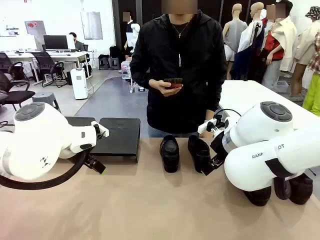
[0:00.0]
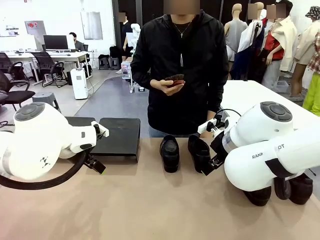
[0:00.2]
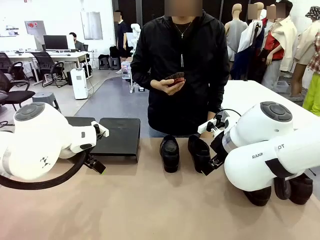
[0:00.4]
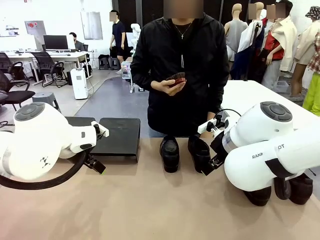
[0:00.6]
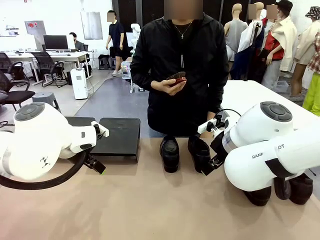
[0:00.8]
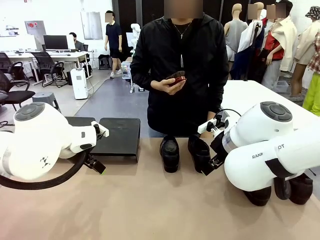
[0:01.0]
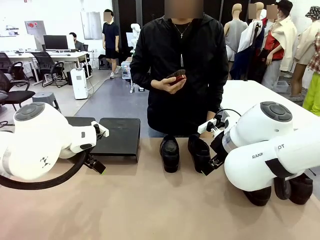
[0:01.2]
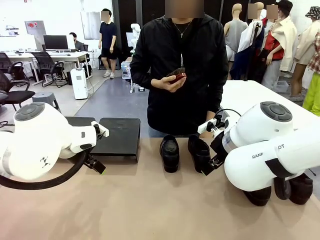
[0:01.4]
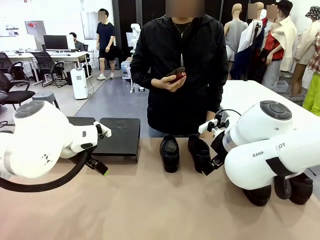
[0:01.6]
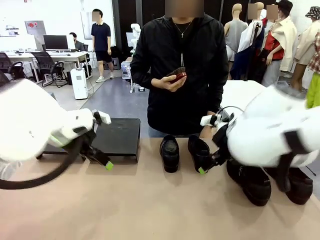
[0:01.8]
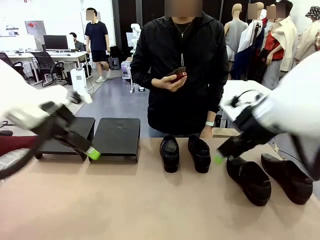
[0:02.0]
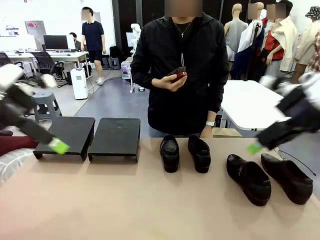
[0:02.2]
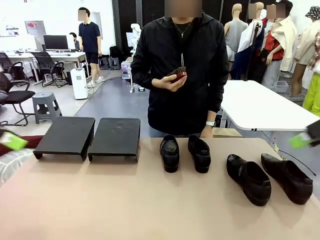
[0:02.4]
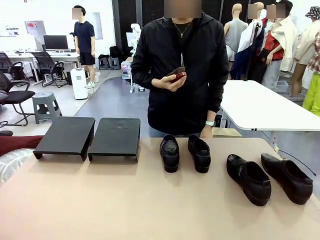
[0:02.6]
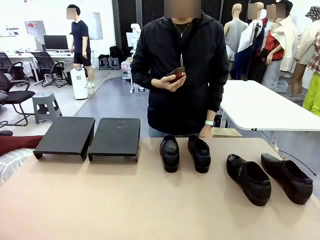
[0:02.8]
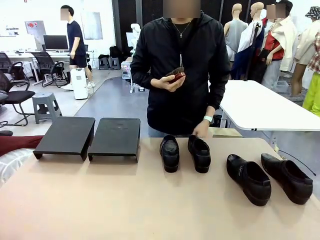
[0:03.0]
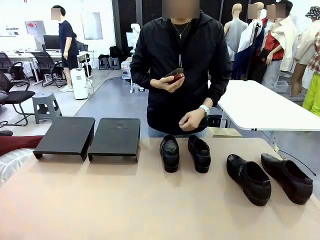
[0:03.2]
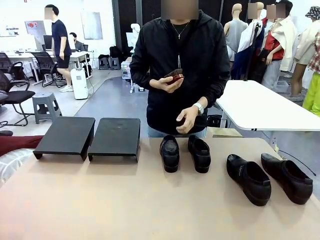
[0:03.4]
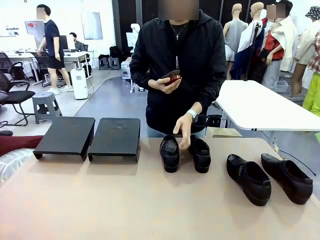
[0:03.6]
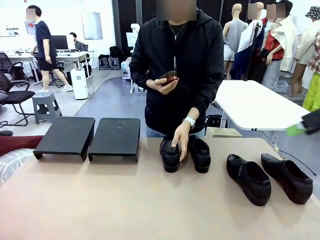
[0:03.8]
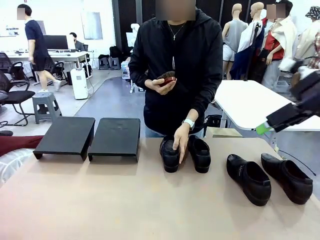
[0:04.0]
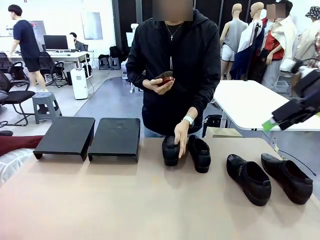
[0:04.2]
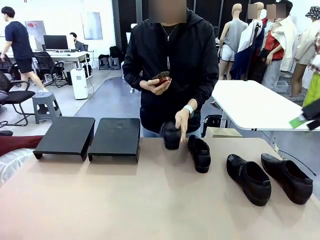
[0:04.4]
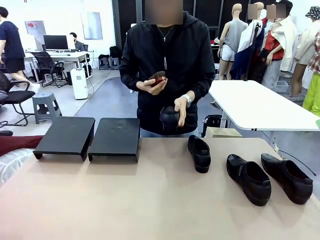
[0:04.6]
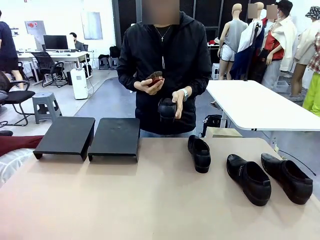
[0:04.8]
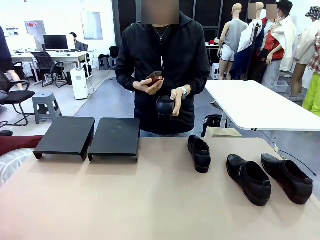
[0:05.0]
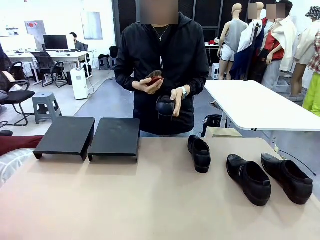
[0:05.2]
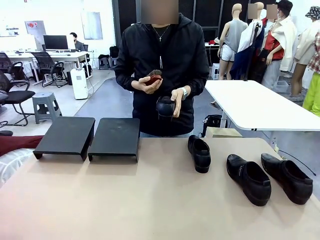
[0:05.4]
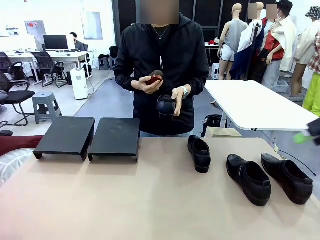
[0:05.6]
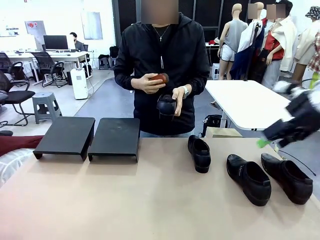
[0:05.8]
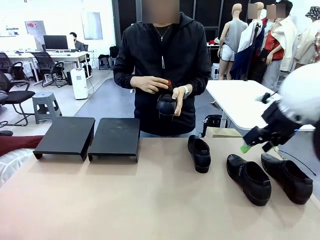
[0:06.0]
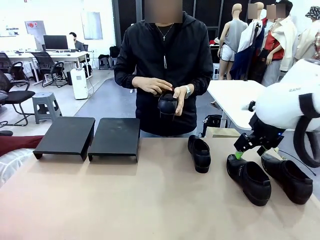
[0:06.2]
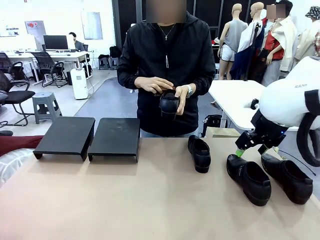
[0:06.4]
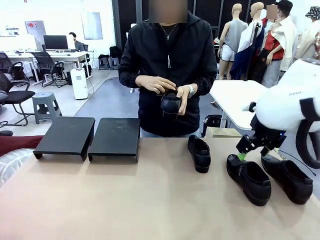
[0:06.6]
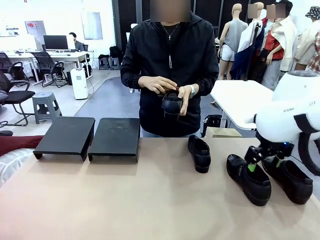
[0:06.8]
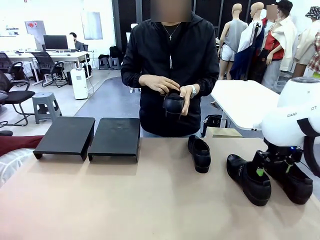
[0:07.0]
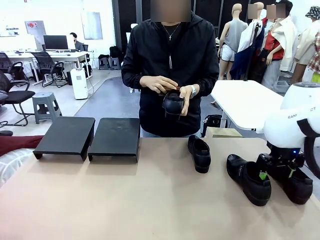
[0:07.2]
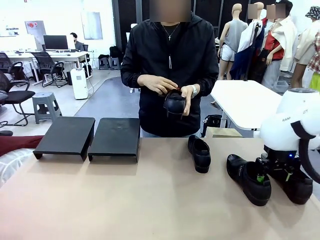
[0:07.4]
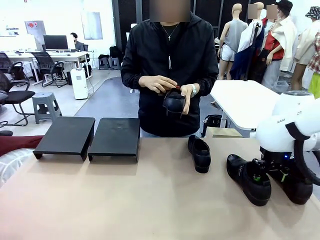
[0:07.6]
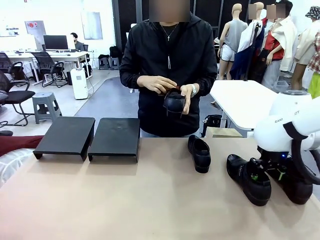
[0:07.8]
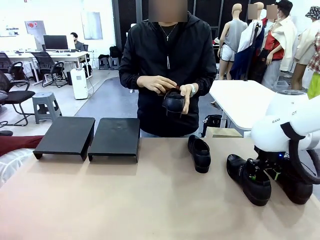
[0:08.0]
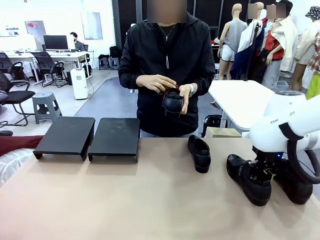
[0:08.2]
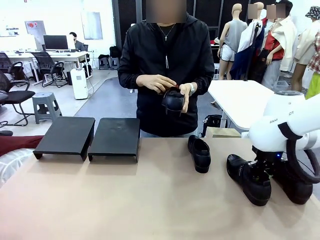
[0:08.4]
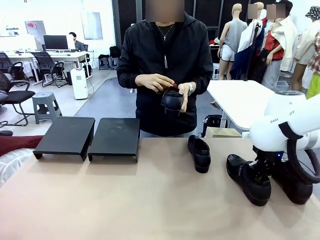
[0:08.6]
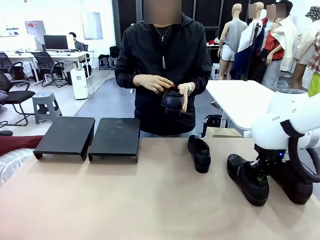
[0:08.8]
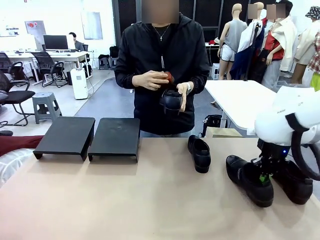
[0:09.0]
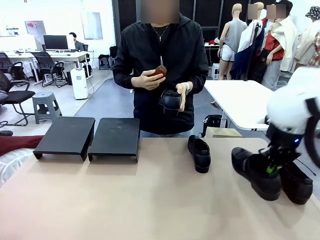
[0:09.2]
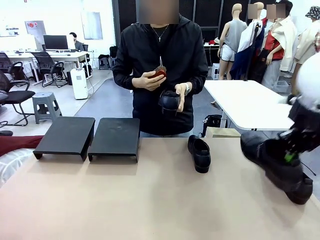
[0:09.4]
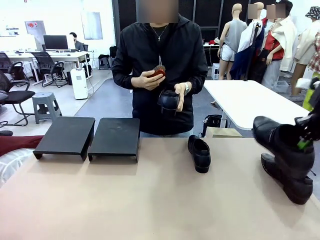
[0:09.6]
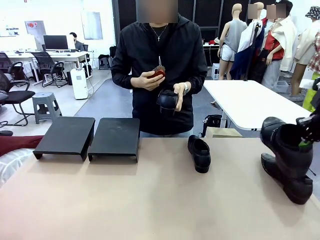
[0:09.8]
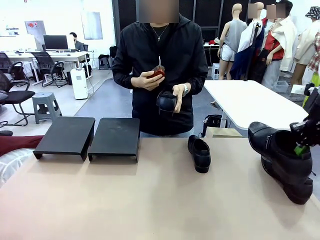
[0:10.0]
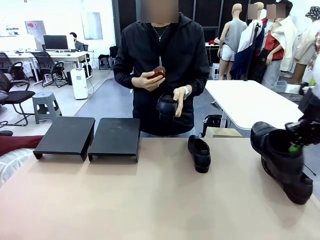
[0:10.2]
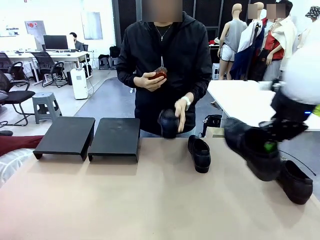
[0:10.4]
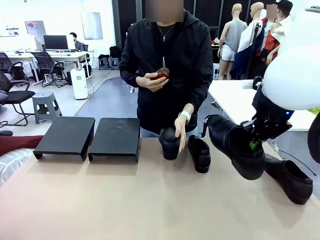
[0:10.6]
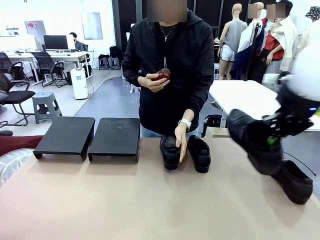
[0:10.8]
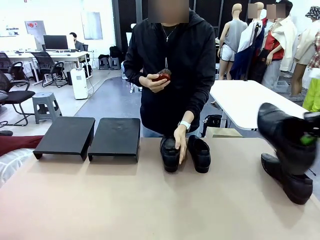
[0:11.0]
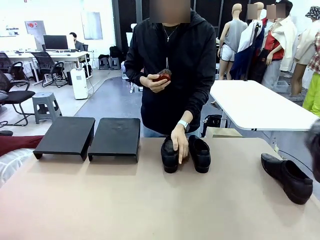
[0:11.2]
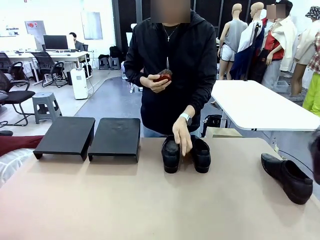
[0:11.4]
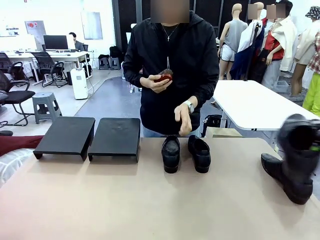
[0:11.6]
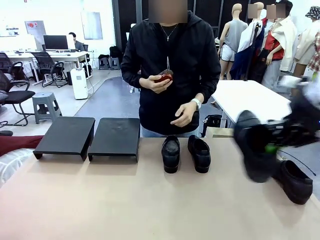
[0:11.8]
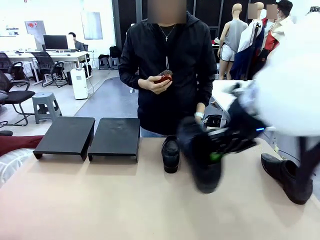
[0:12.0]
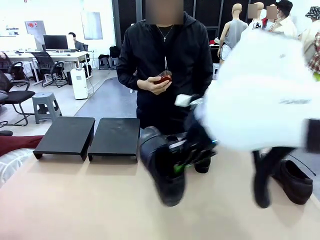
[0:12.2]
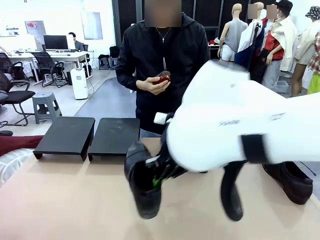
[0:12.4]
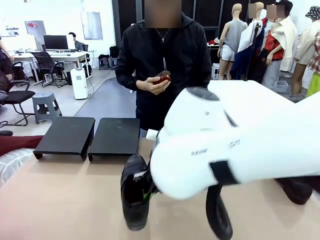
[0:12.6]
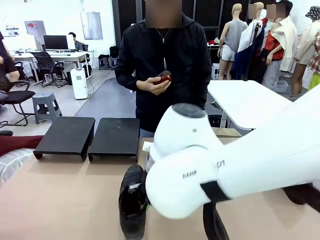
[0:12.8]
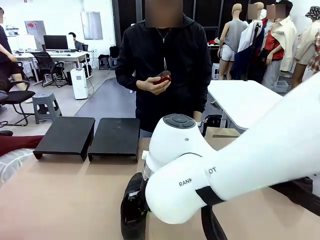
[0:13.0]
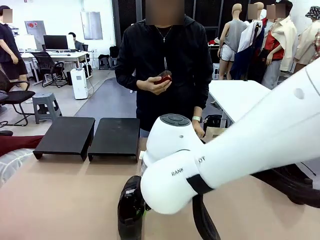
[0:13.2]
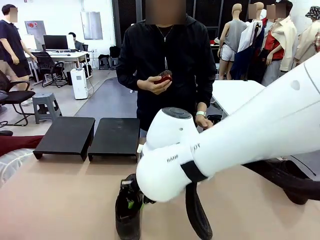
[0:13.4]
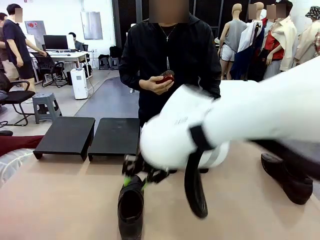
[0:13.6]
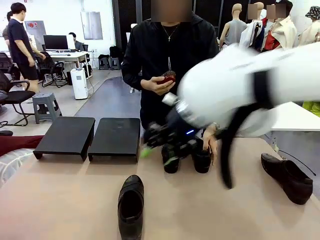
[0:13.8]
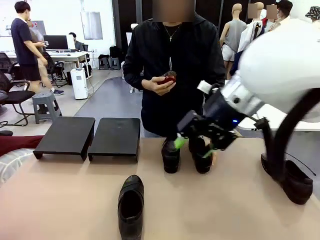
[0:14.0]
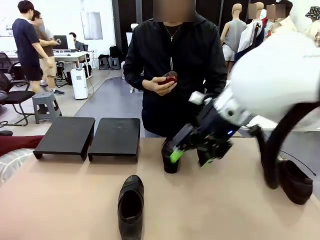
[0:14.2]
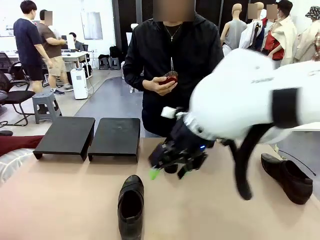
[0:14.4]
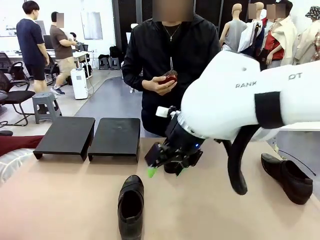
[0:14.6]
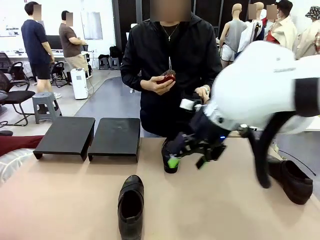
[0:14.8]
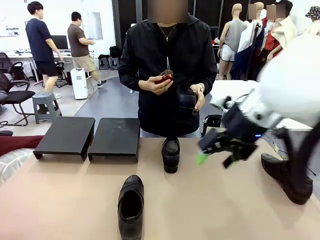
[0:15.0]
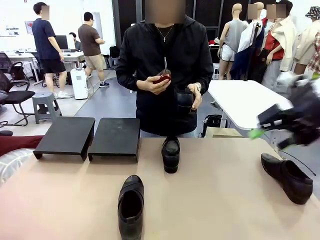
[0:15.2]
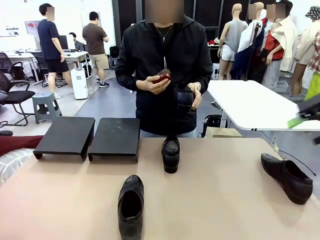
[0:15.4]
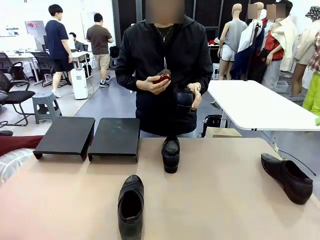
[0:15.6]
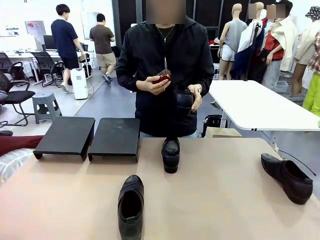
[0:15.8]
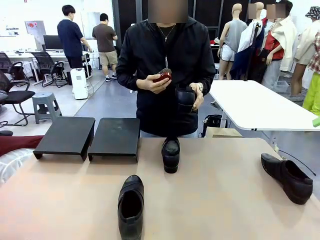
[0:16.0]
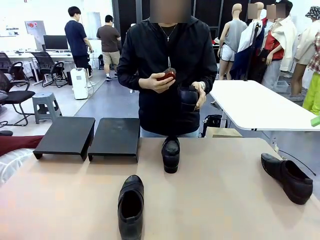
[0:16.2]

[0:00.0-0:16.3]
Task: Organize the shoes by placing them on the stand.
Robot: Pick up one Shoe and place it in the middle of the table.
Person: Pick one Shoe on Robot's table. Clean the Shoe with the Shoe Brush. Place the Shoe on left side of the Robot's table. Pick one Shoe on Robot's table.
